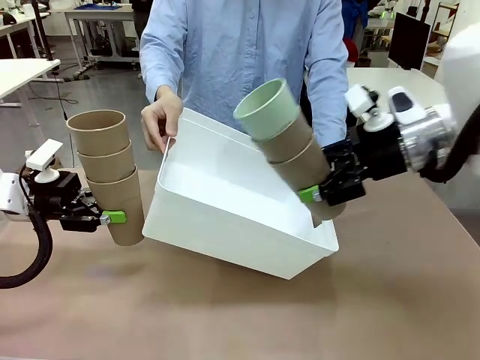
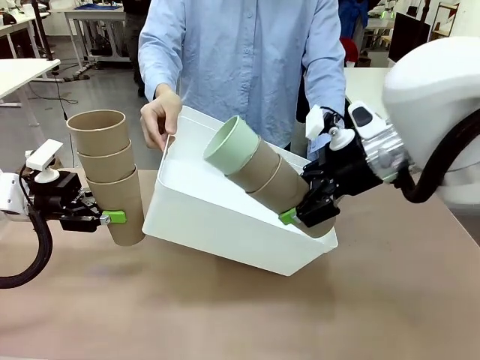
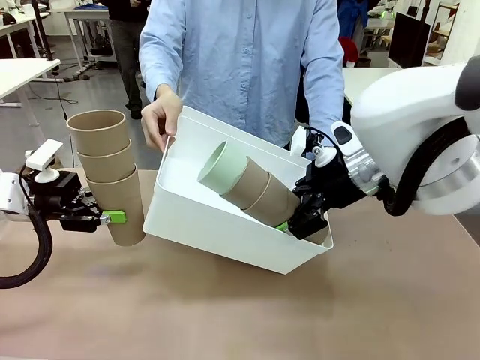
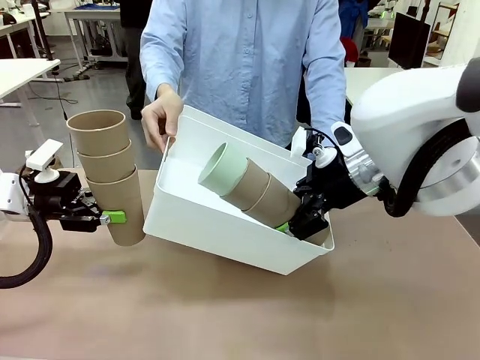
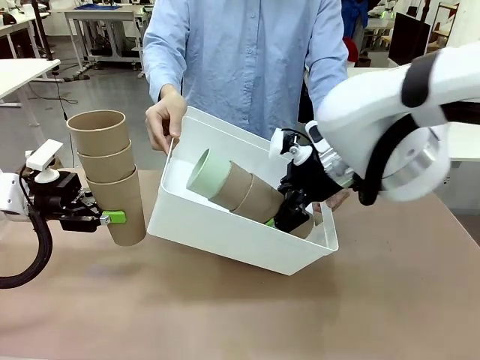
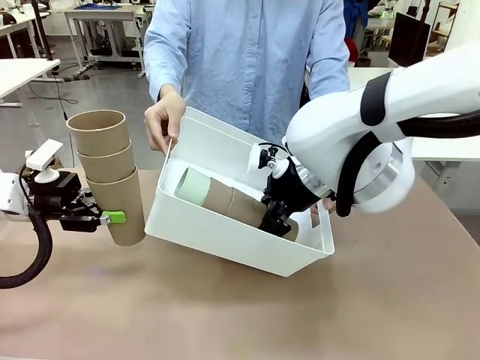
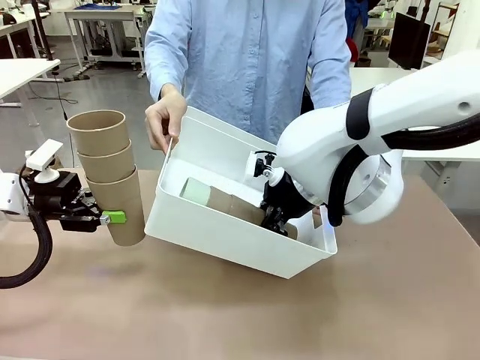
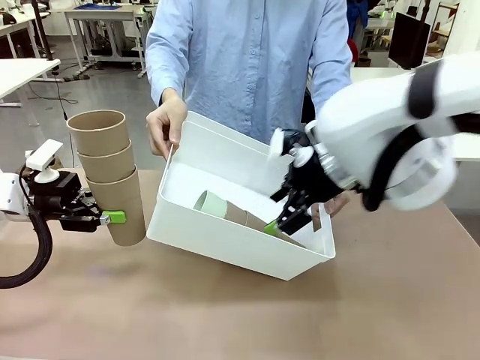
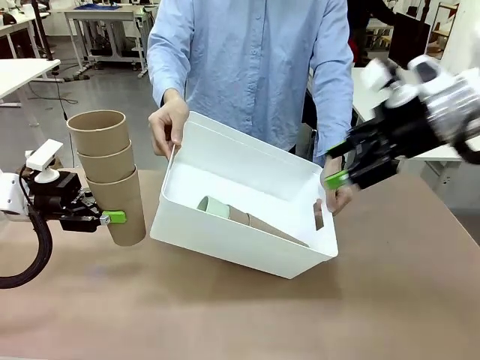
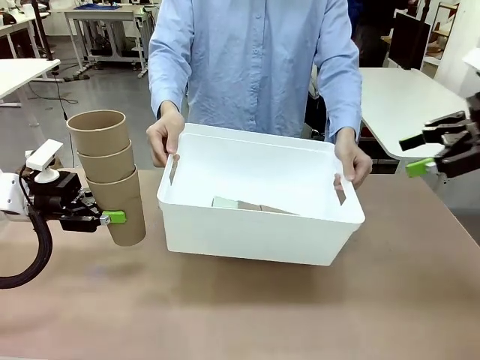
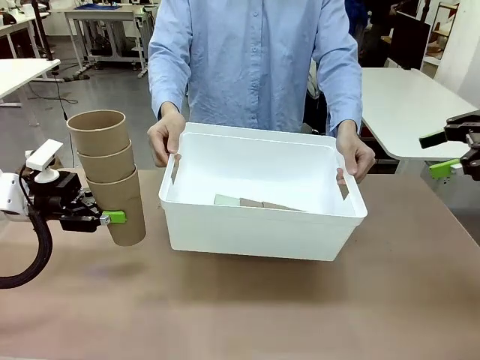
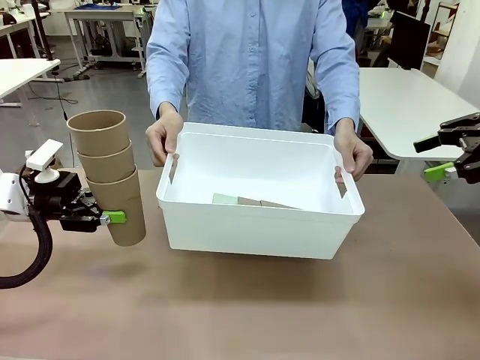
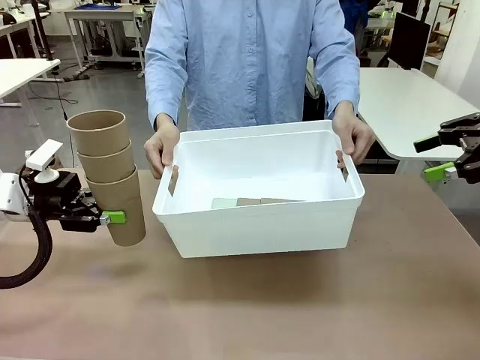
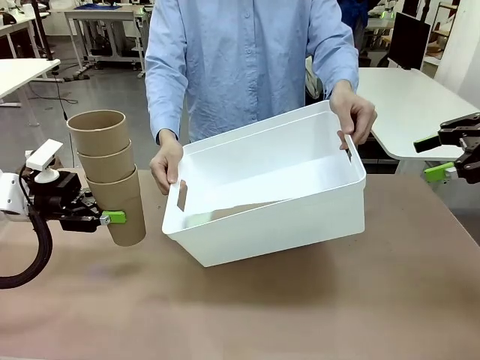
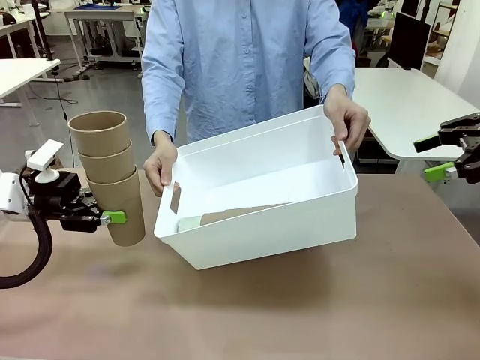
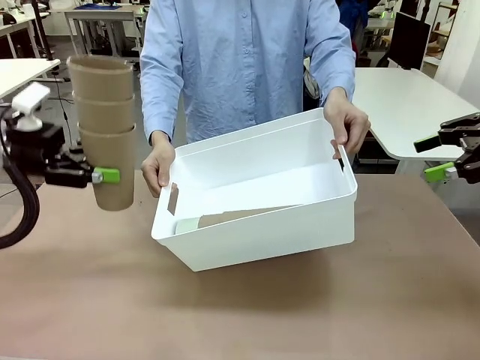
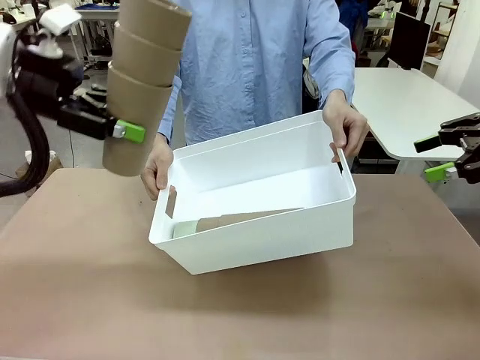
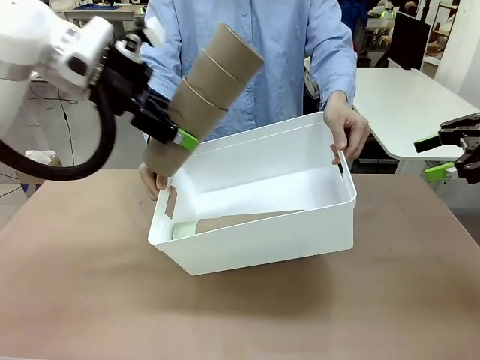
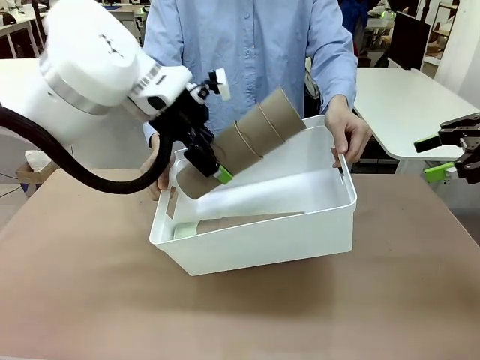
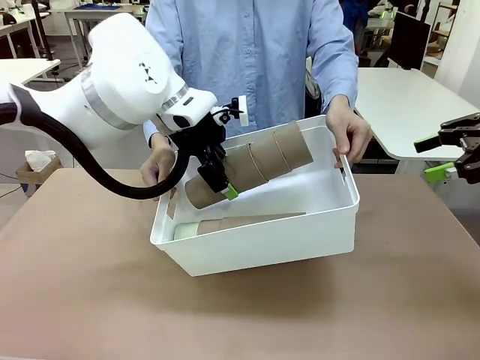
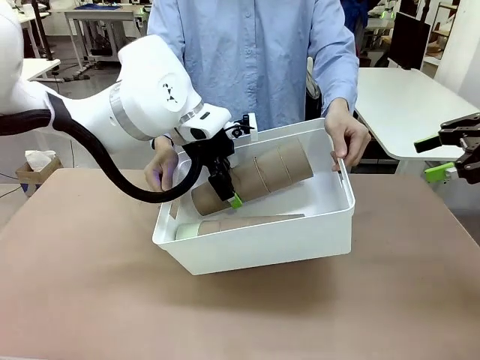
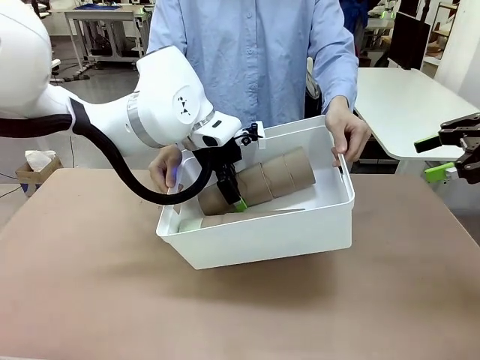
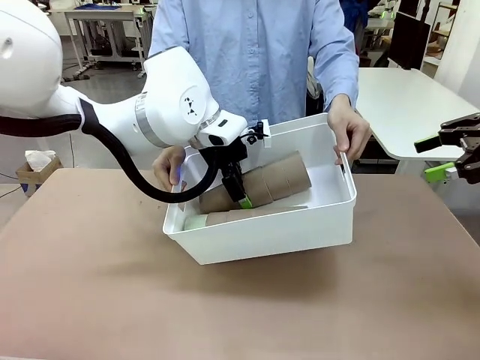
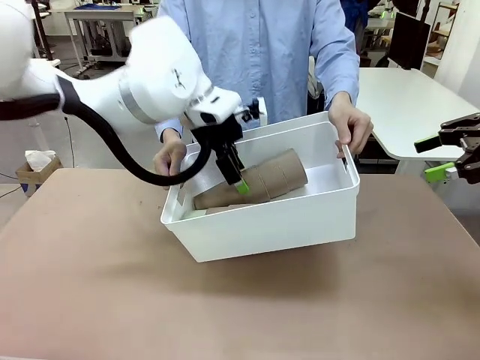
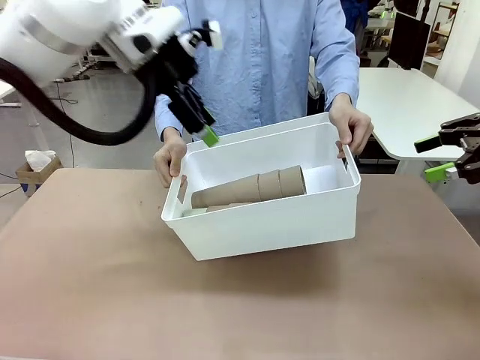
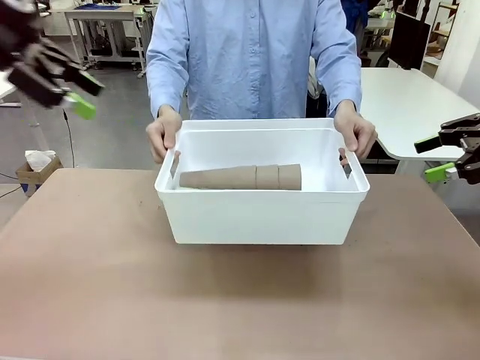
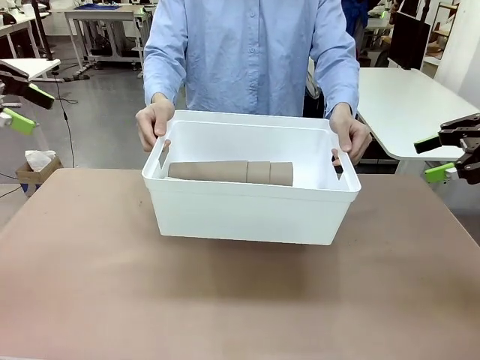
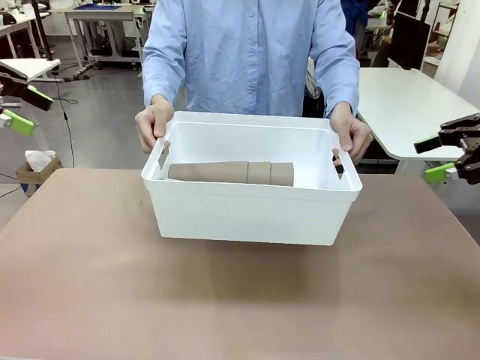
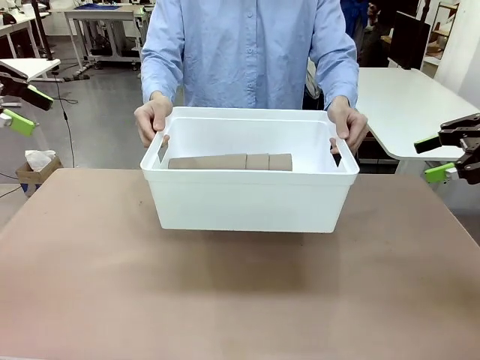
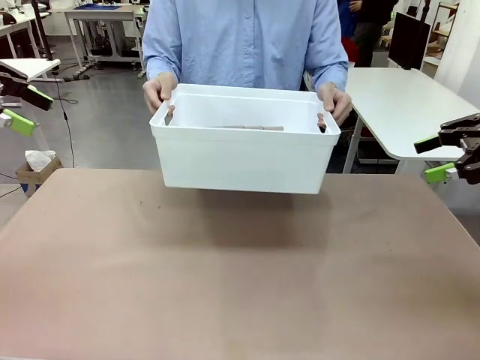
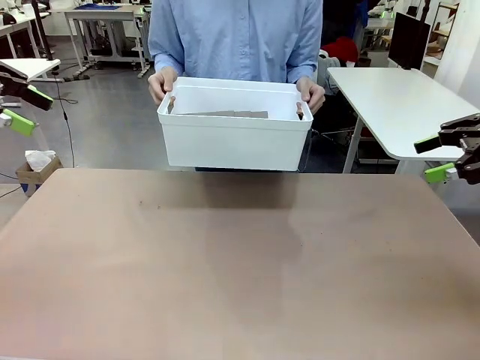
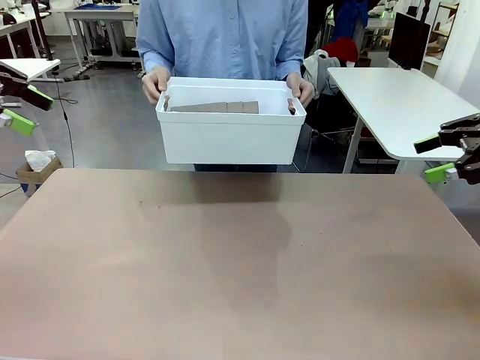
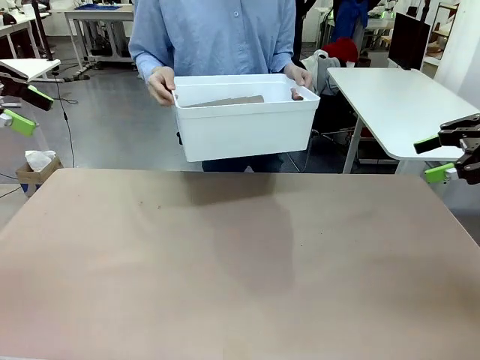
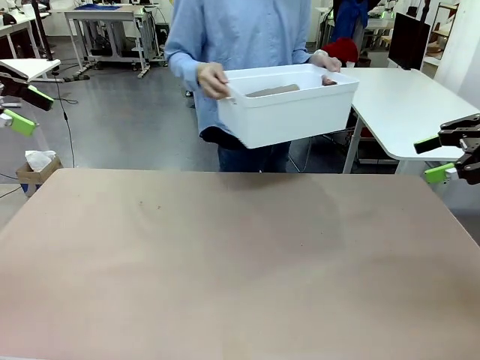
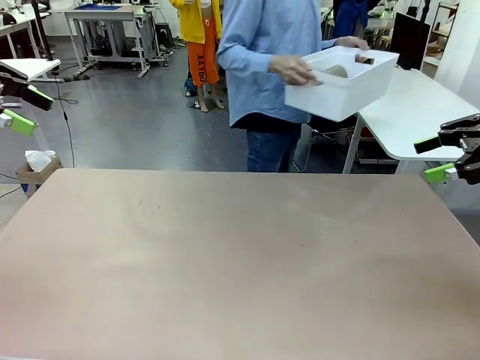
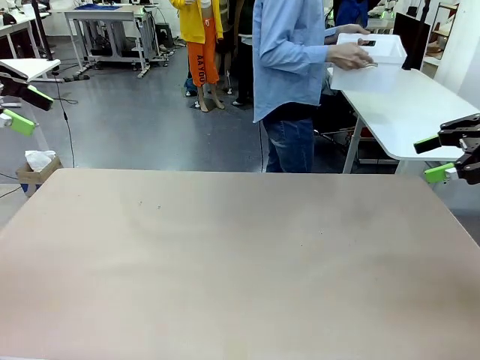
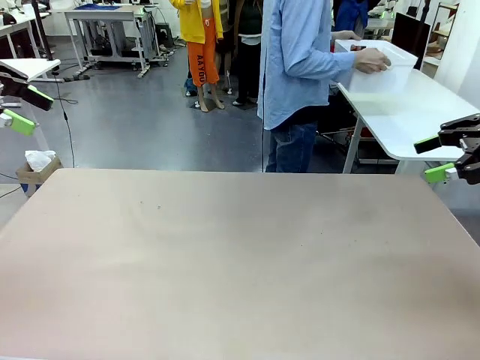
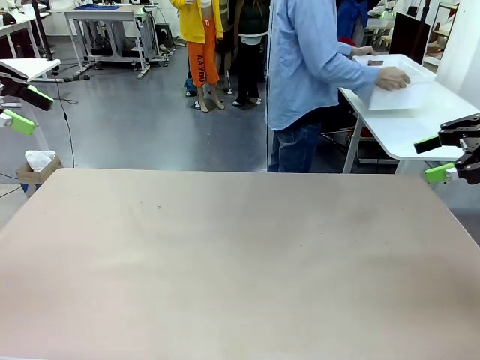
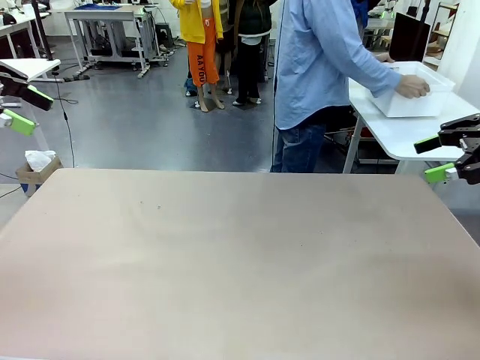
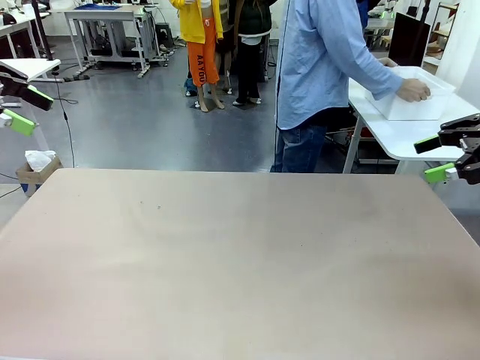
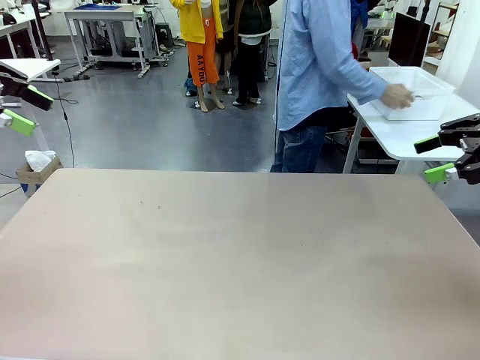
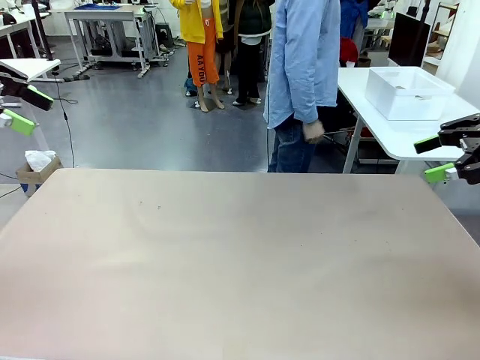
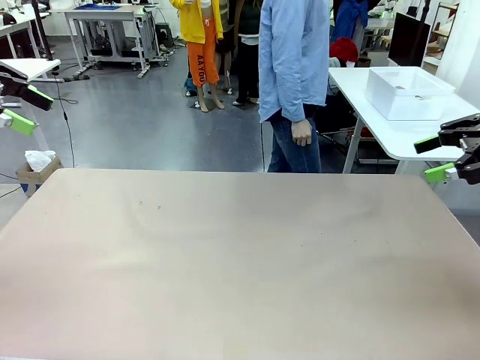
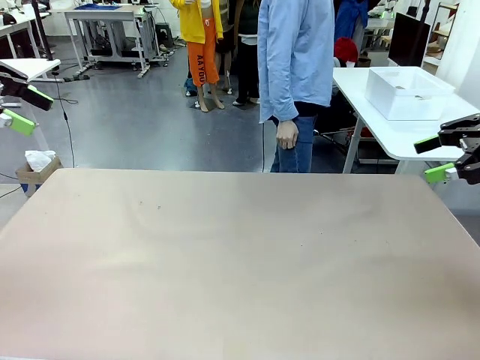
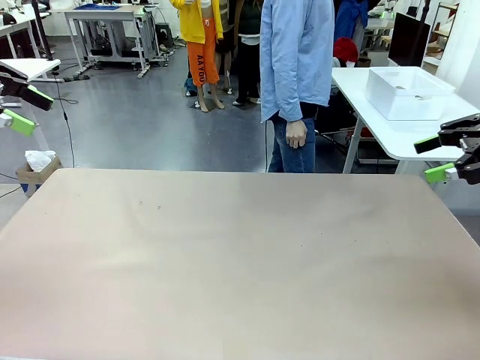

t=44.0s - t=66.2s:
Task: Stack the cups and store them in the basket.
Robot: Place the stack of Reusable plastic cups into the Pantry Basket.
Person: Place the basket containing the cups in the middle of the Human Table.

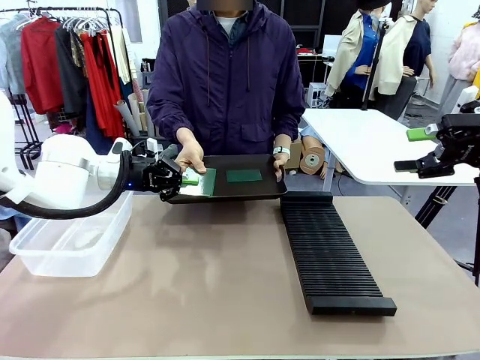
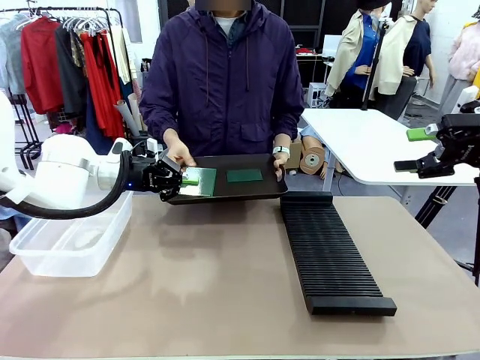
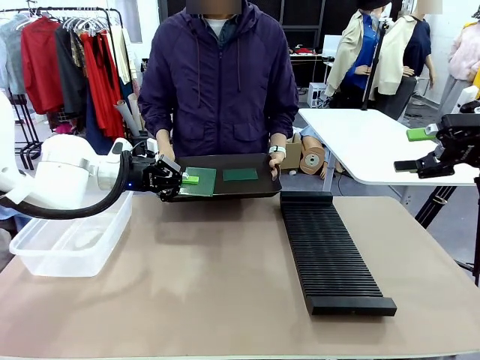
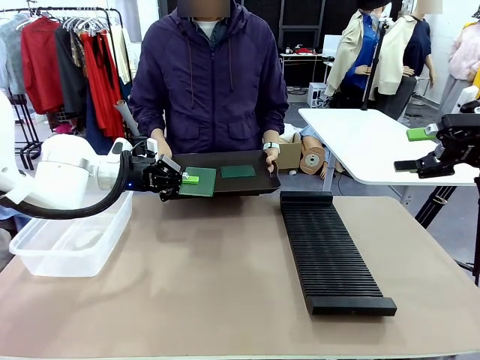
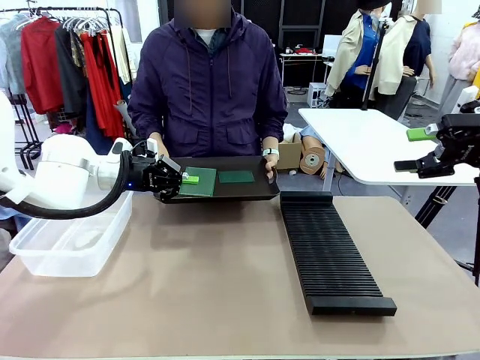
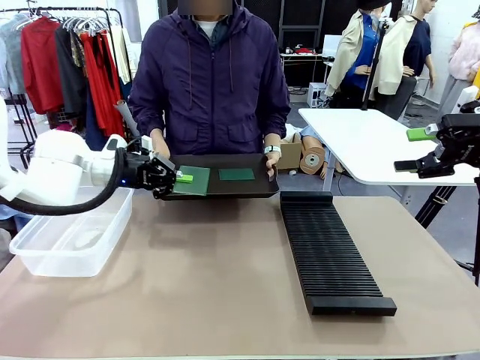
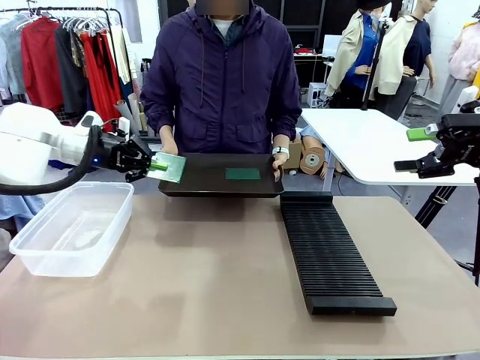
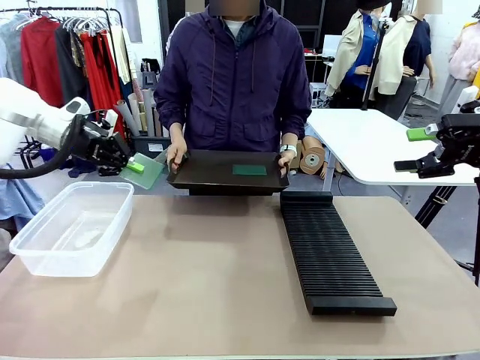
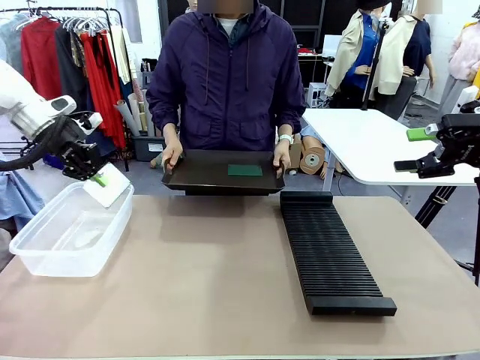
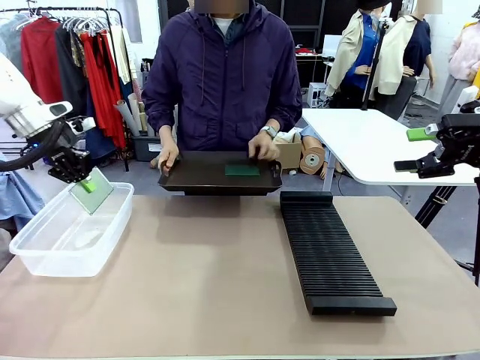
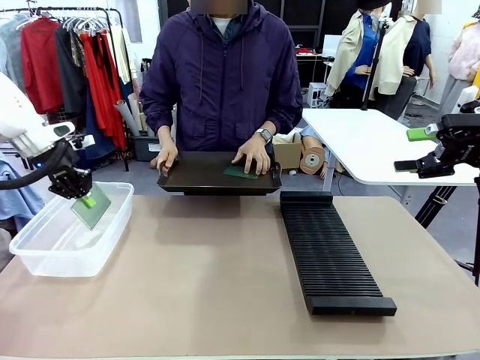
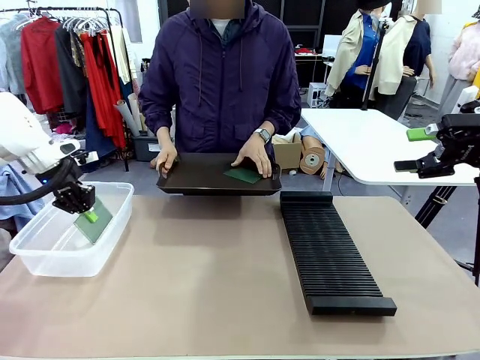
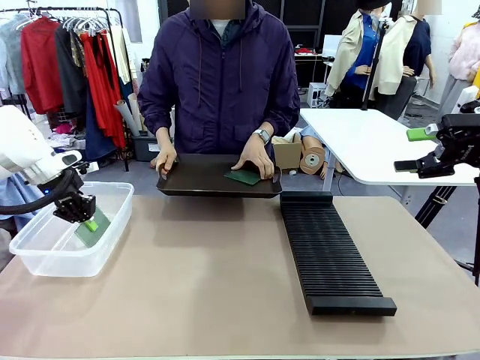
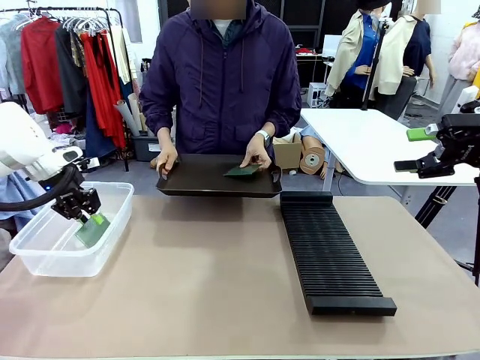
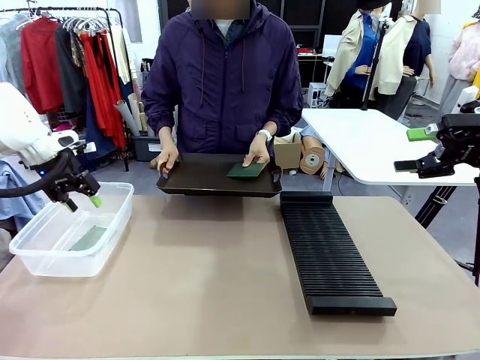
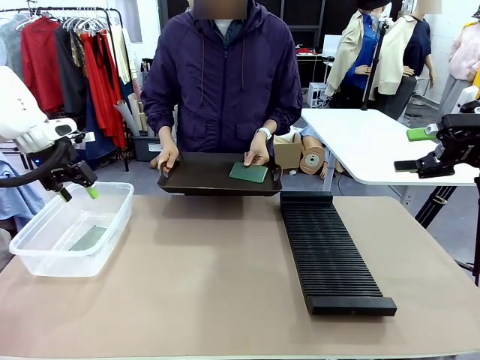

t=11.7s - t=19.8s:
Task: Sort PCBs into racks and boxes based on the side picked up.
Robot: If the short side of the Blank PCB is picked up, insert it into the PCB Rack ; if the long side is picked up, place it in the Organizing box.
Person: Pick one PCB from the tray and present it to the robot.
